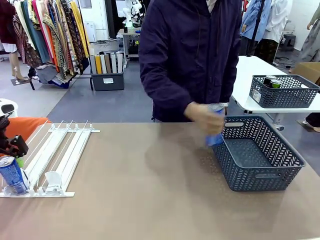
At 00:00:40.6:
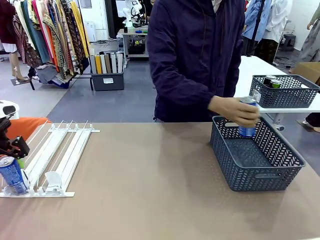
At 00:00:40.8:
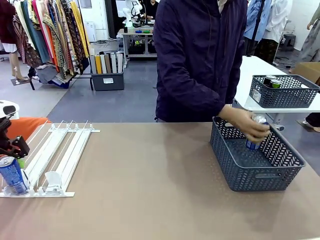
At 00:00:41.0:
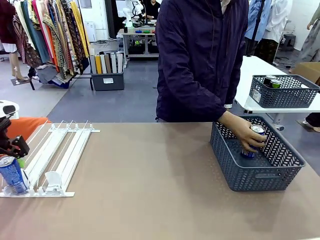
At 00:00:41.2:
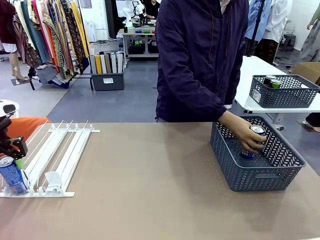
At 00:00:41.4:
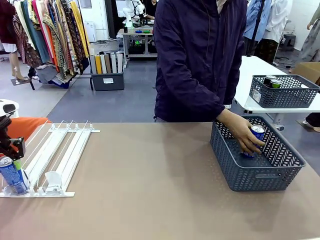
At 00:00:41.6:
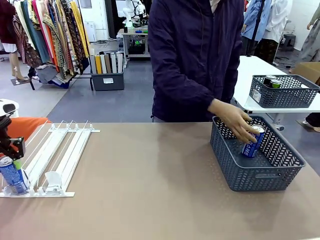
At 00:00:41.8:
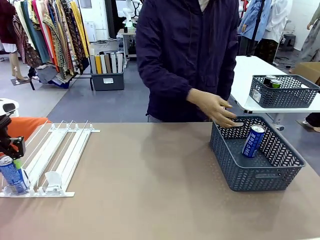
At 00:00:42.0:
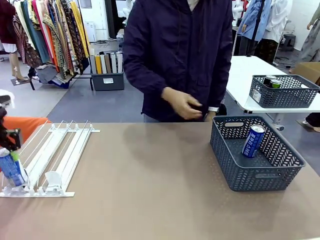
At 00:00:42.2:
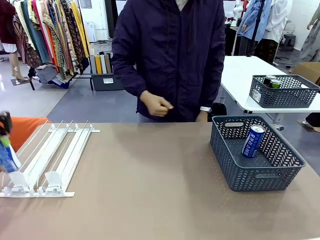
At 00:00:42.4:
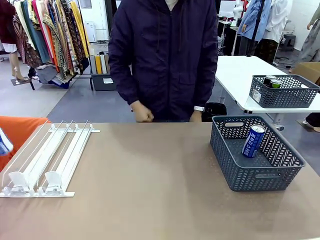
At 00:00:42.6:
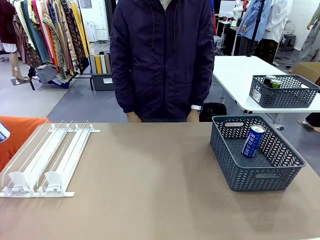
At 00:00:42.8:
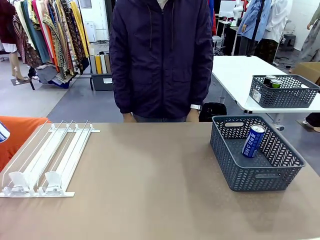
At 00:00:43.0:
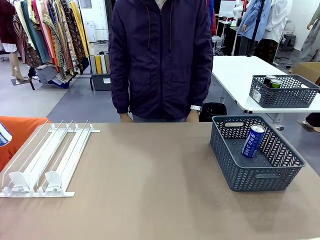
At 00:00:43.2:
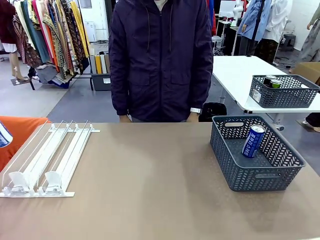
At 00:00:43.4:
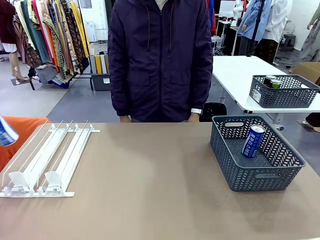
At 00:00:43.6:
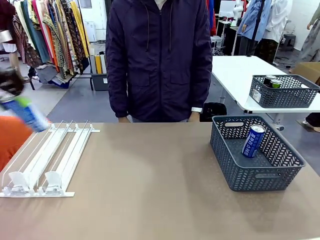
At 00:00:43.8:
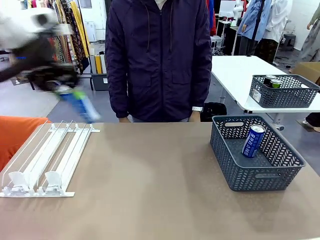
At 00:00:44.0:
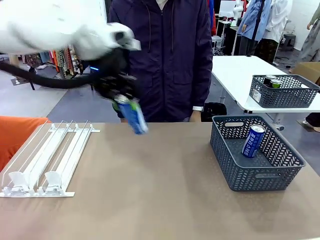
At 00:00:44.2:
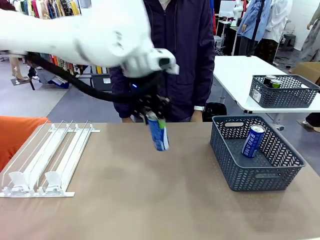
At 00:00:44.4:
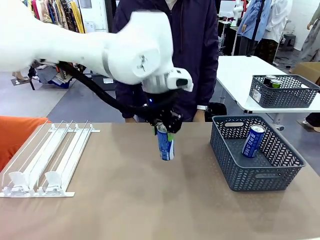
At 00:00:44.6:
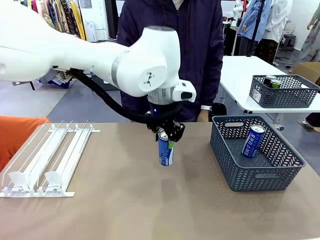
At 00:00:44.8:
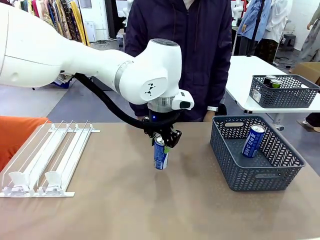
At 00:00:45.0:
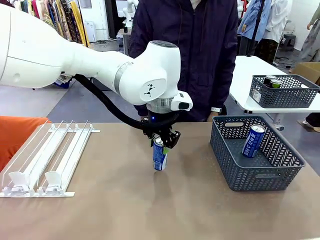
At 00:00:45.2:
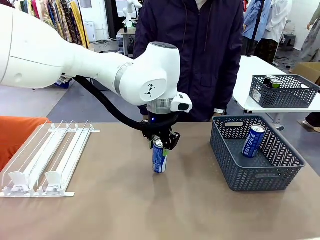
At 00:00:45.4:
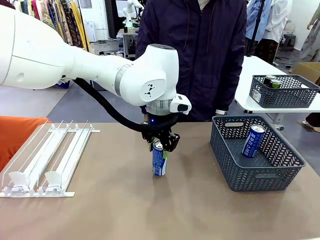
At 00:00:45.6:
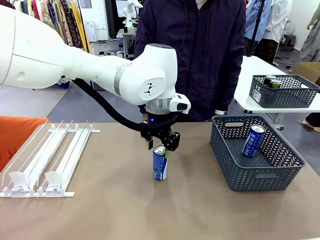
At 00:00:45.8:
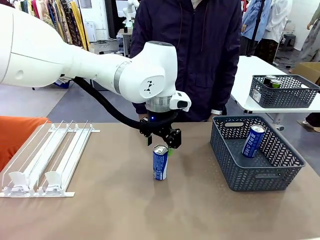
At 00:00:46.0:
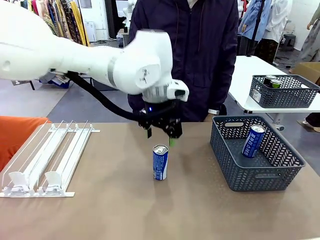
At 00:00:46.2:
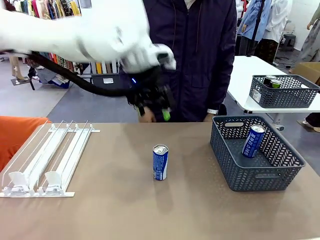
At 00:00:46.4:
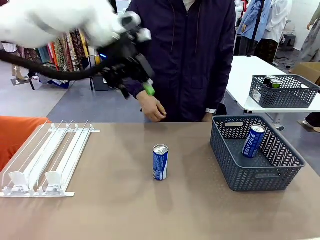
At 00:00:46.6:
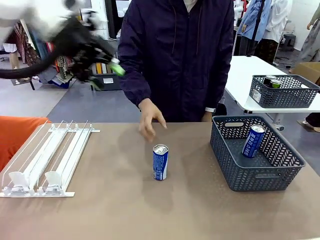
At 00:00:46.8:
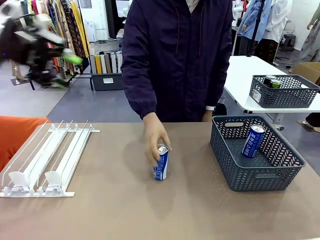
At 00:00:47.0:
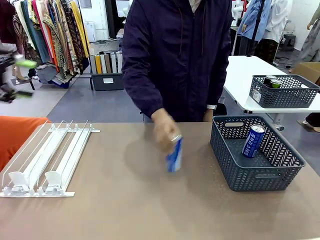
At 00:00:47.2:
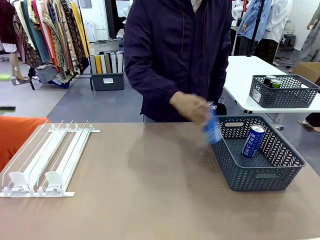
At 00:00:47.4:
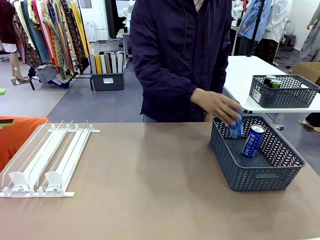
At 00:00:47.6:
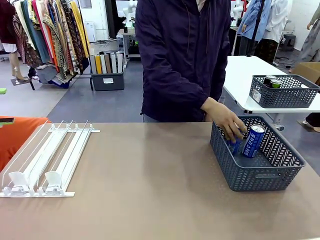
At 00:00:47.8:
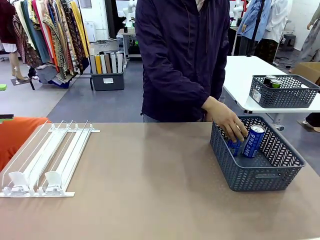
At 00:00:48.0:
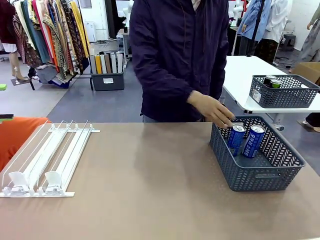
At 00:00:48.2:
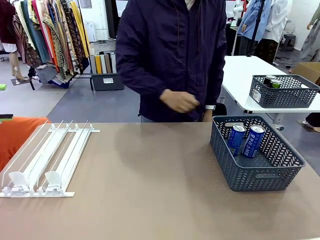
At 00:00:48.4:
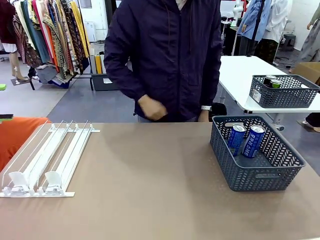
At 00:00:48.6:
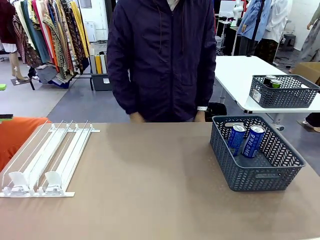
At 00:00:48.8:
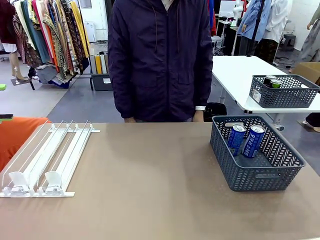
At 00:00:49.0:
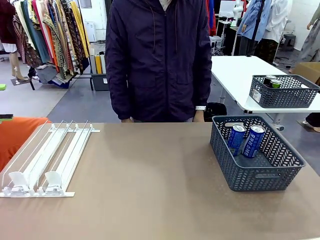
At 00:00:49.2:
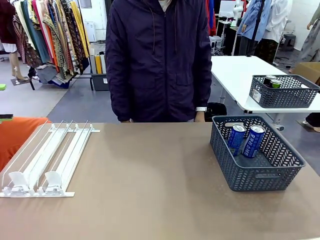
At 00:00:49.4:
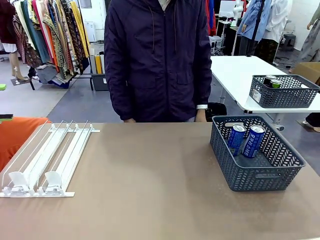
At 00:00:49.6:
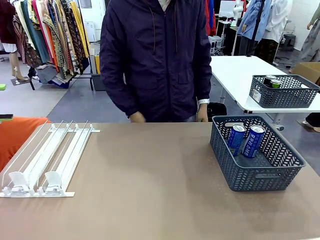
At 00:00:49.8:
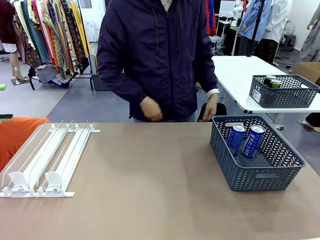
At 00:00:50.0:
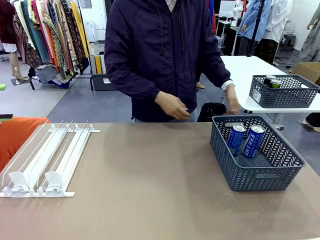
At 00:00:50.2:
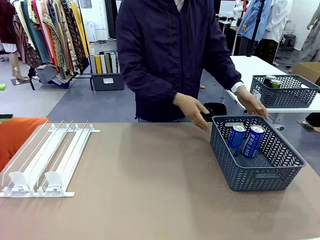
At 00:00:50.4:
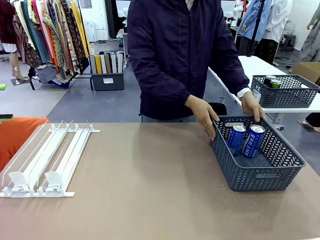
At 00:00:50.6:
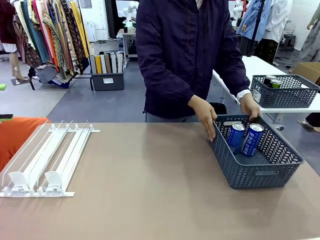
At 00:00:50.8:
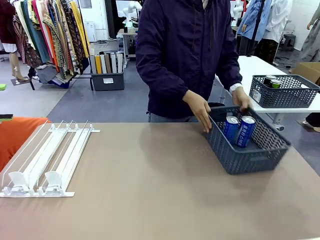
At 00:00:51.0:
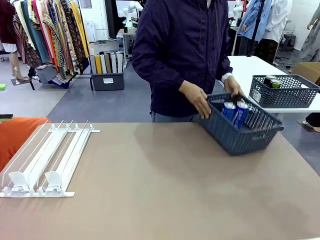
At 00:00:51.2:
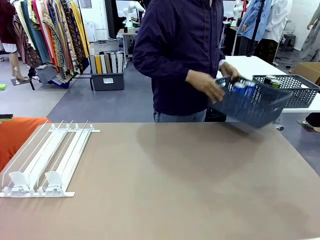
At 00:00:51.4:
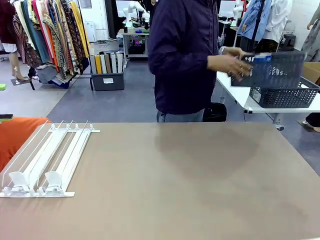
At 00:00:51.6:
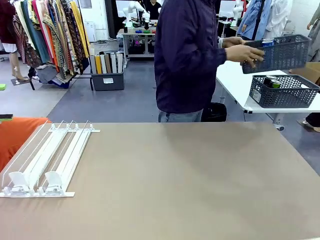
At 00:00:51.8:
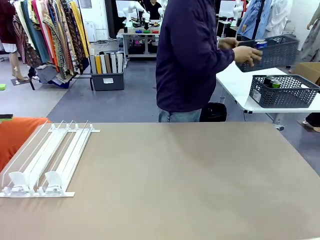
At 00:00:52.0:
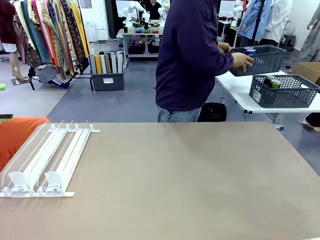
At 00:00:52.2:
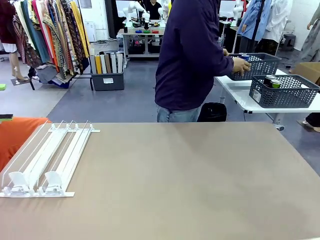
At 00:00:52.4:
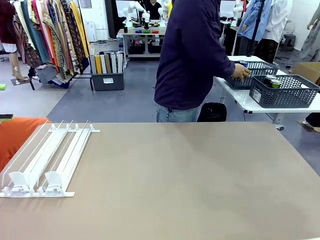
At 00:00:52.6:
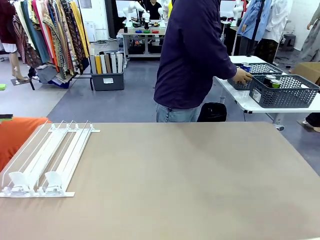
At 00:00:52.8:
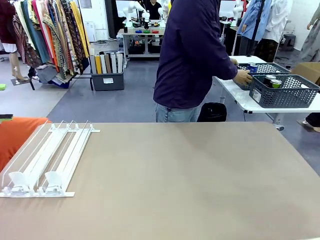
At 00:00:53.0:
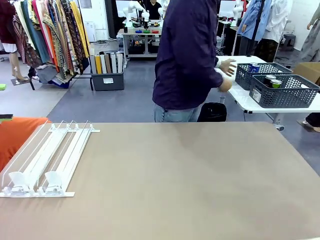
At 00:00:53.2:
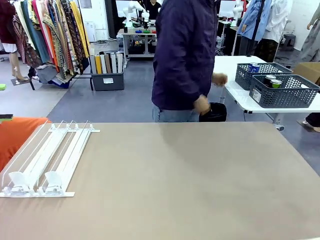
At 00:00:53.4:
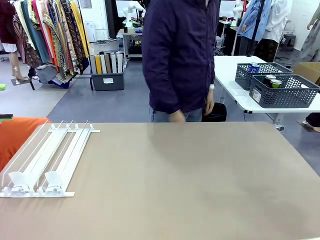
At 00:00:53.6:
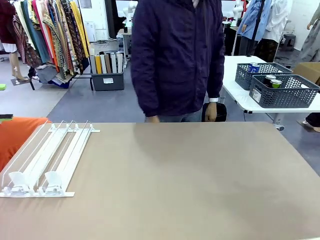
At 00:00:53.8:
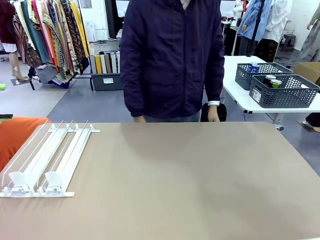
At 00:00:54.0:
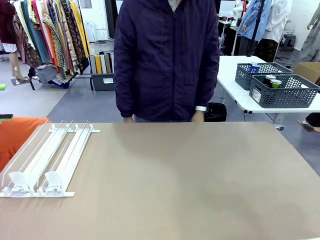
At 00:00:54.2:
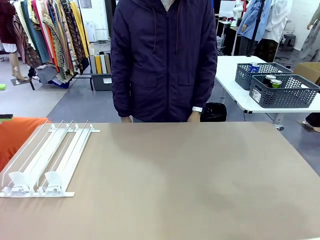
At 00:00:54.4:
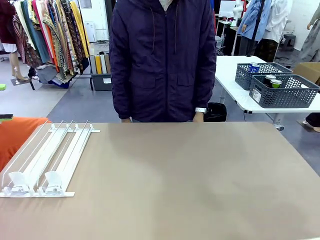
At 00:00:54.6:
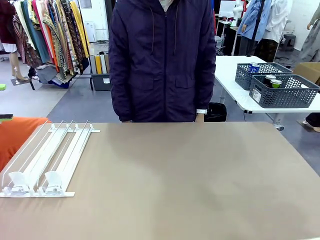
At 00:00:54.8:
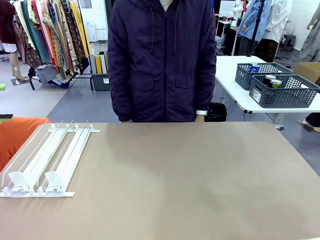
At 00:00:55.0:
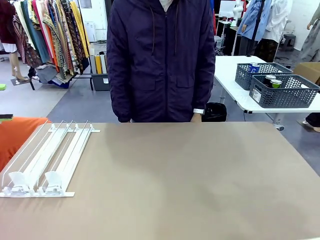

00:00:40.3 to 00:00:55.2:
Task: Retrieve and store the cans from the dispenser.
Robot: Pick up one can from the Automatic Can Dispenser and place it in the middle of the table.
Person: Pick up one sports drink can from the middle of the robot table and place it in the basket. Pick up the basket and place it in the middle of the human table.
